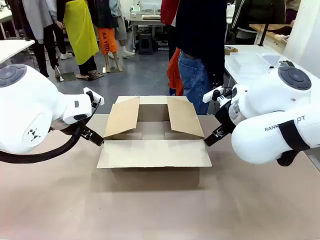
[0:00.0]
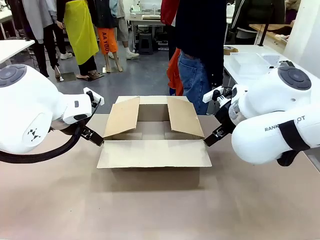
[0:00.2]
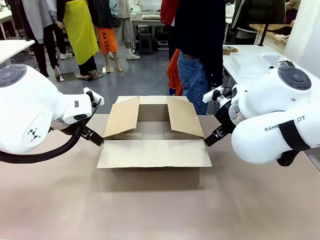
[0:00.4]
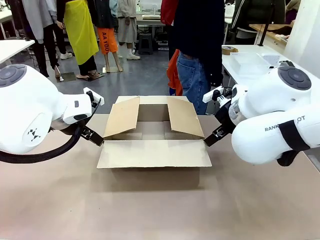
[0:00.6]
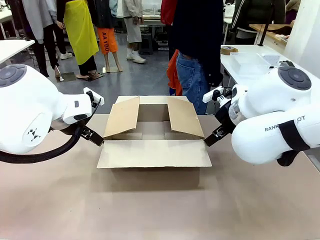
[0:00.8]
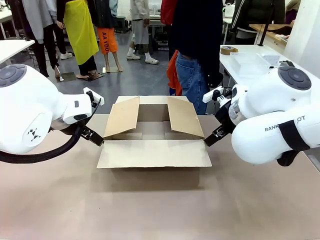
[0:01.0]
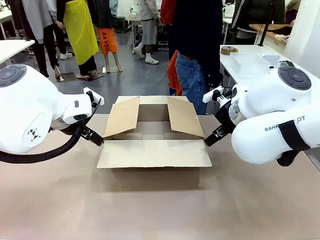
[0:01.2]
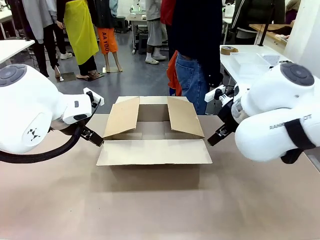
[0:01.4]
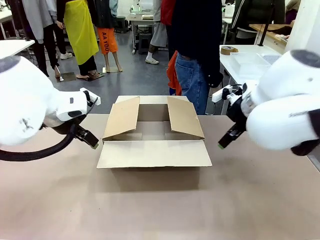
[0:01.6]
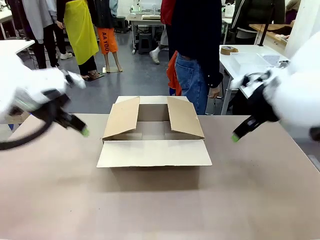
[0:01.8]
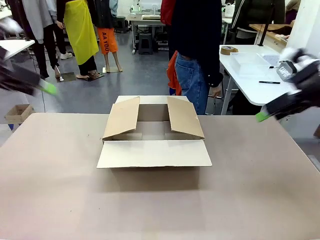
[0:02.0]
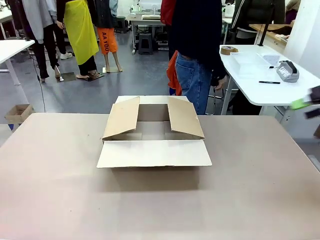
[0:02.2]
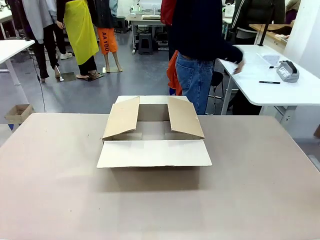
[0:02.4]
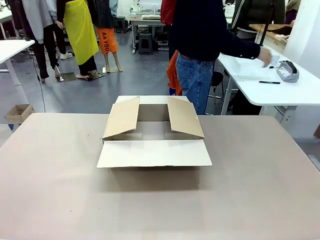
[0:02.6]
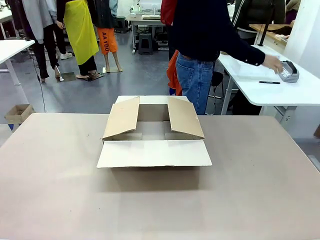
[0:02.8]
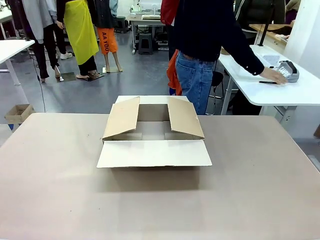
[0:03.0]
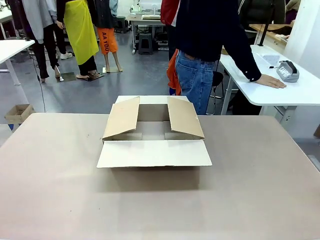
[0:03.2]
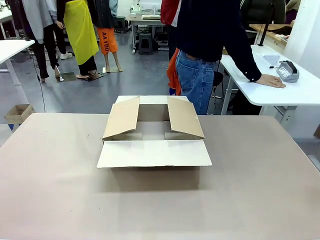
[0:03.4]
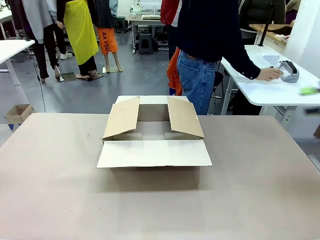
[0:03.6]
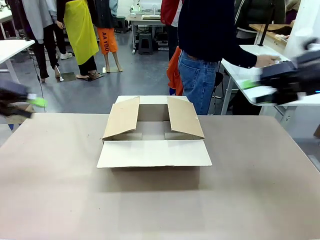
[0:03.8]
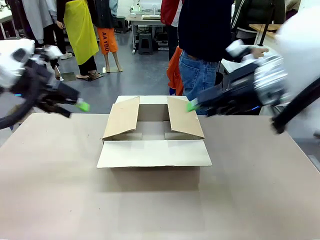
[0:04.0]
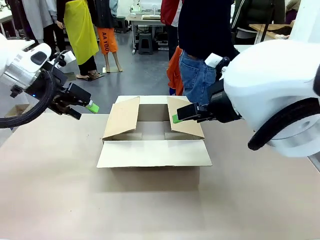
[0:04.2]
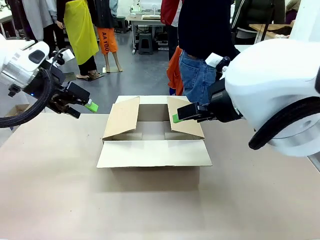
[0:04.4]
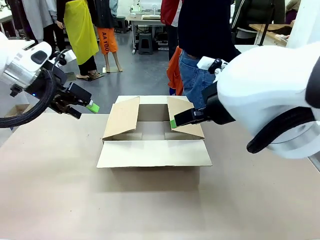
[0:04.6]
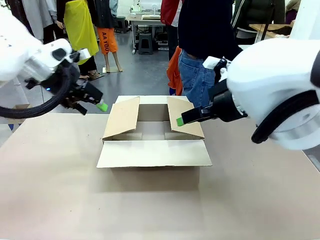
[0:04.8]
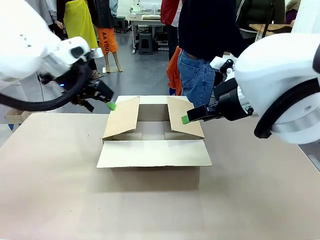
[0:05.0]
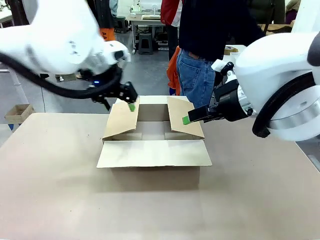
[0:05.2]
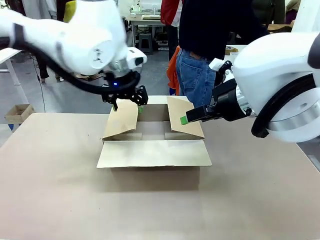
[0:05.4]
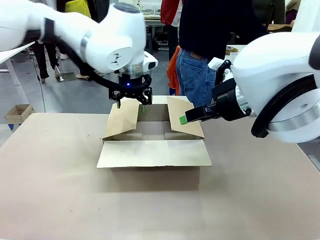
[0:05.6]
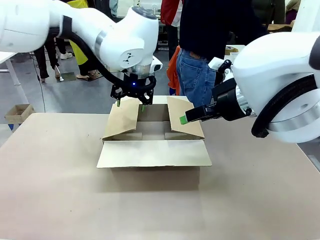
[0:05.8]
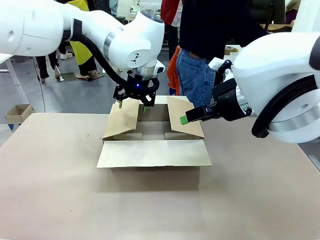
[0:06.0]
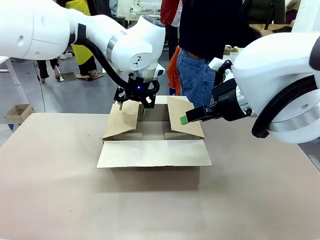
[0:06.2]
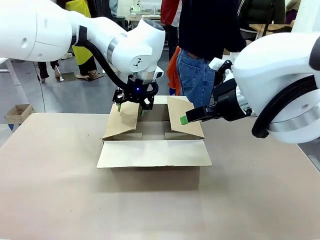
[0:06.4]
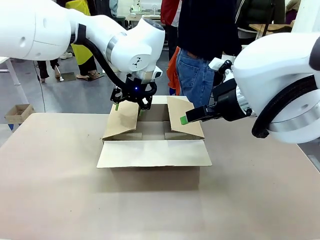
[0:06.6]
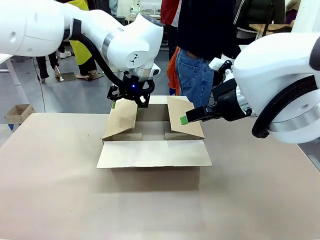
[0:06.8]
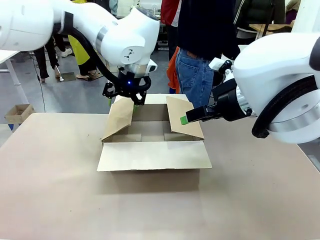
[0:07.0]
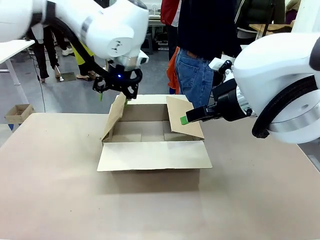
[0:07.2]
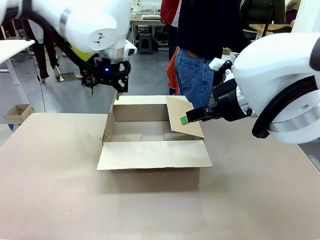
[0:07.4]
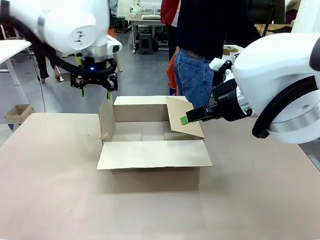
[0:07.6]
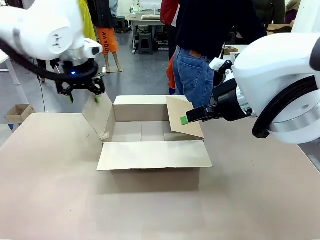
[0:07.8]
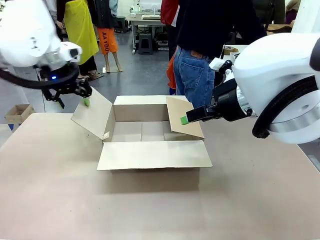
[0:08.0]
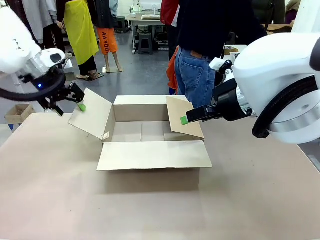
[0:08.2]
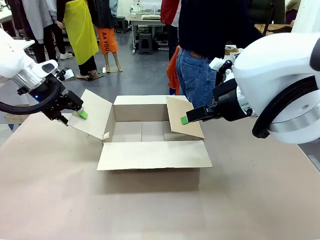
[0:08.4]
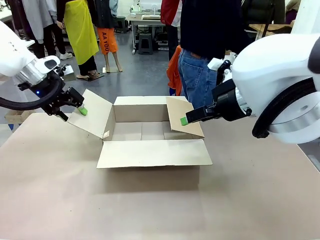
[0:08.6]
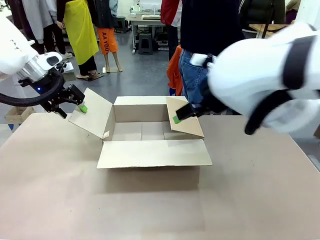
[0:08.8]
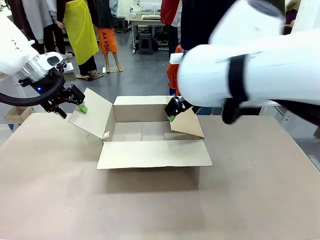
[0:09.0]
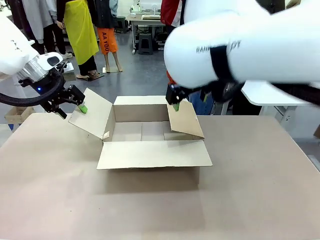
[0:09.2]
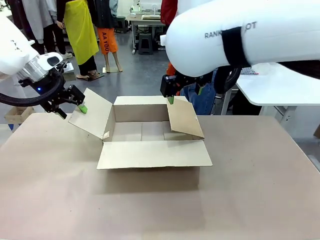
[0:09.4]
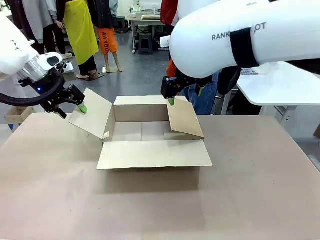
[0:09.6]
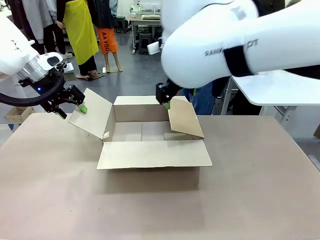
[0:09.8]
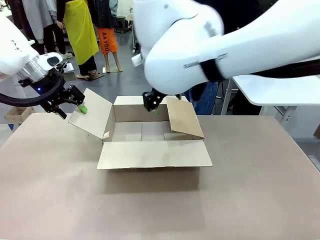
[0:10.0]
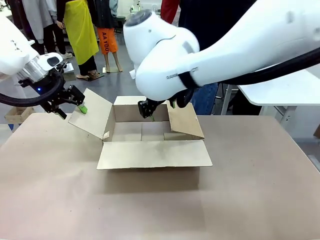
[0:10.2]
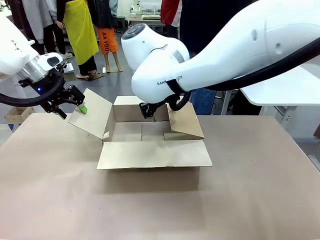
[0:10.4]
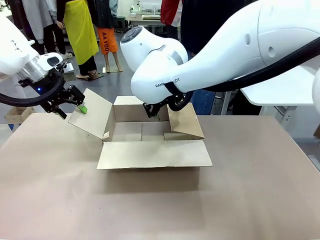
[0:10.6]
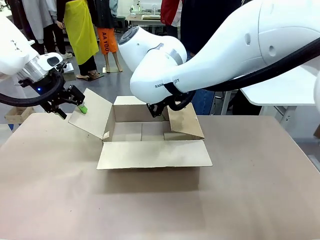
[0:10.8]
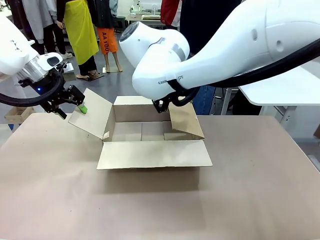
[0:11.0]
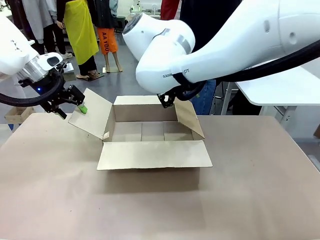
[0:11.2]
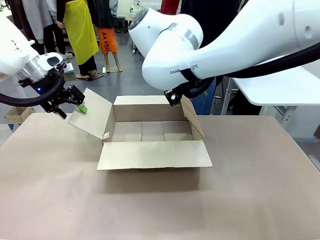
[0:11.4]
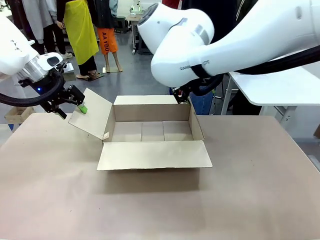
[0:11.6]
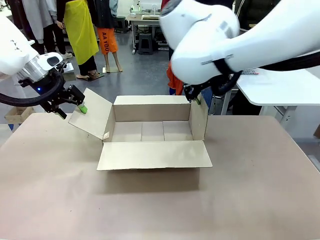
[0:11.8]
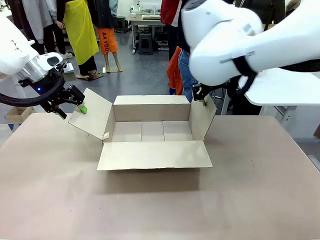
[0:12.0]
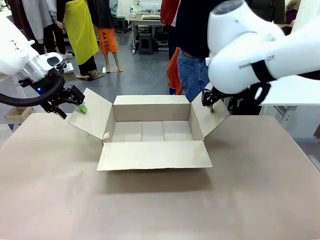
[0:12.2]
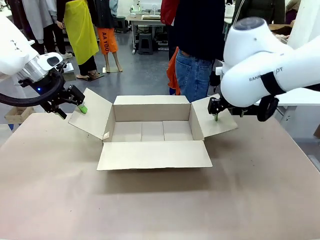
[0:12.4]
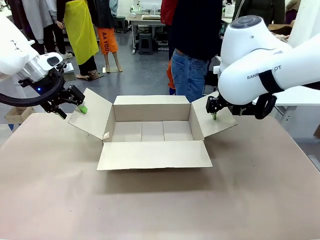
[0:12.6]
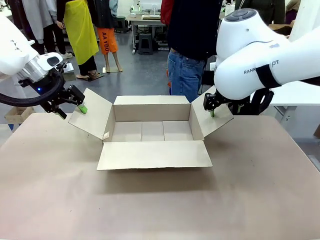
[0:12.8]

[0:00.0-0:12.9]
Task: Pack the gift set into the box.
Robot: Place both hands on the side flaps of the Package Box and spread them outward.
Person: The human places all items except the paper tape into the organizing basket.

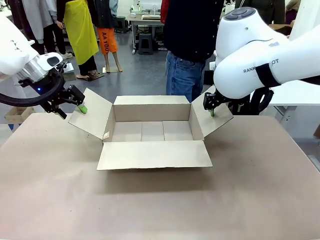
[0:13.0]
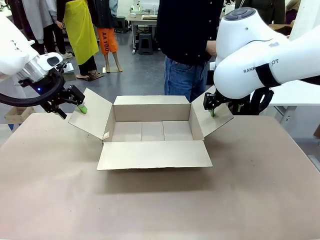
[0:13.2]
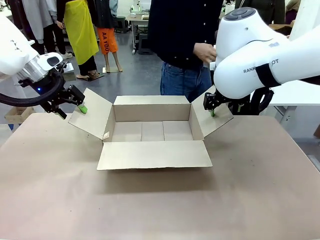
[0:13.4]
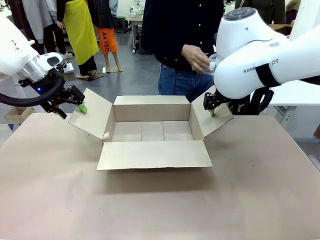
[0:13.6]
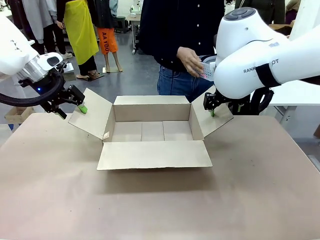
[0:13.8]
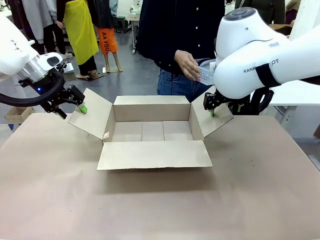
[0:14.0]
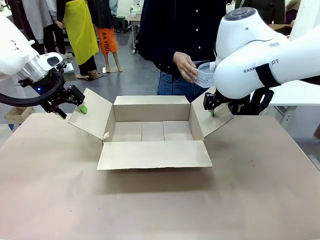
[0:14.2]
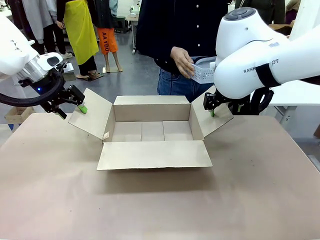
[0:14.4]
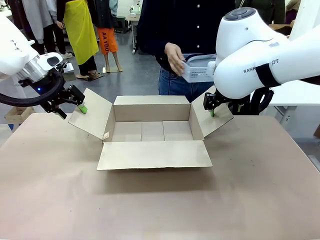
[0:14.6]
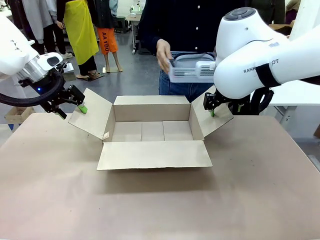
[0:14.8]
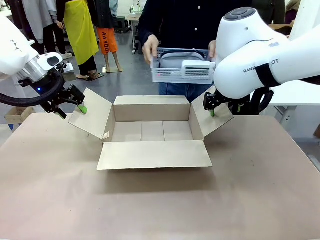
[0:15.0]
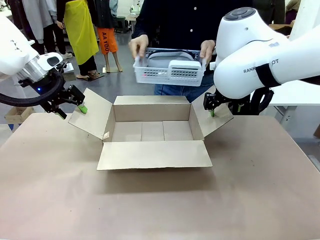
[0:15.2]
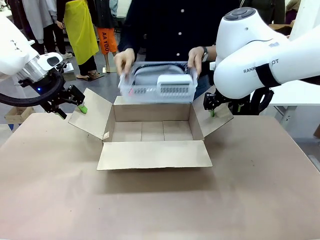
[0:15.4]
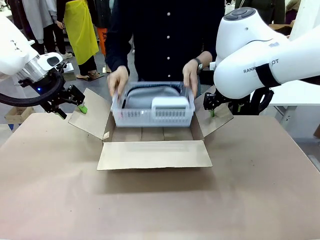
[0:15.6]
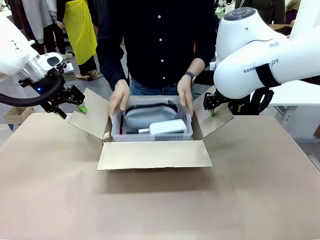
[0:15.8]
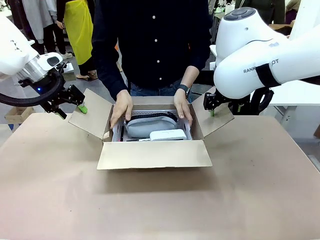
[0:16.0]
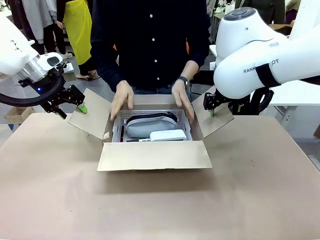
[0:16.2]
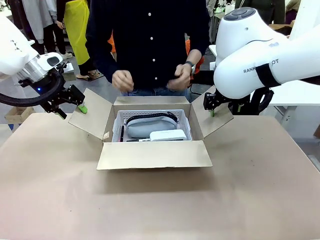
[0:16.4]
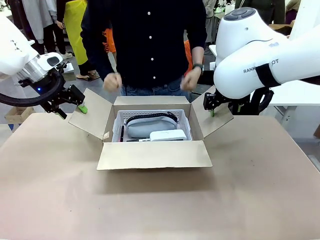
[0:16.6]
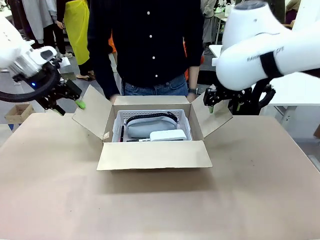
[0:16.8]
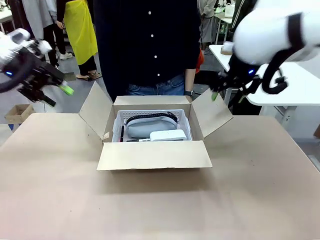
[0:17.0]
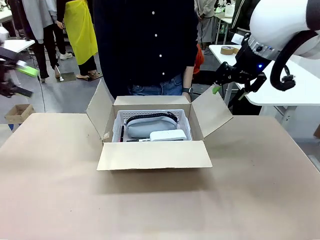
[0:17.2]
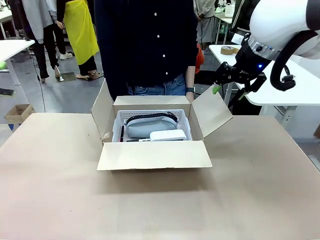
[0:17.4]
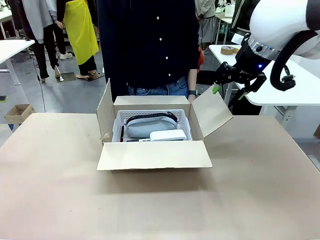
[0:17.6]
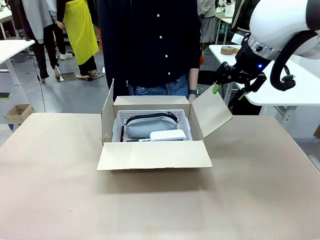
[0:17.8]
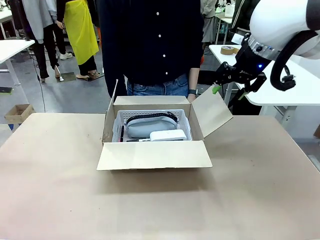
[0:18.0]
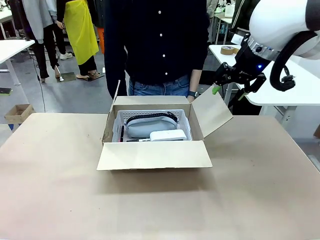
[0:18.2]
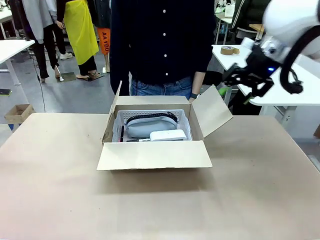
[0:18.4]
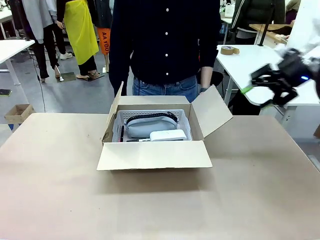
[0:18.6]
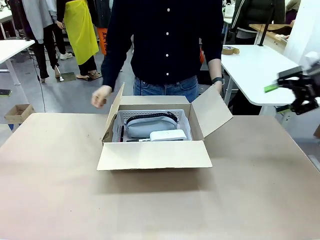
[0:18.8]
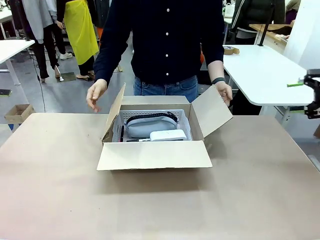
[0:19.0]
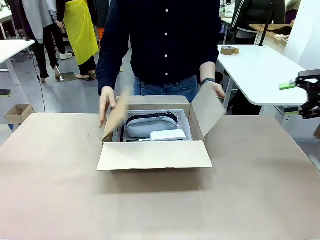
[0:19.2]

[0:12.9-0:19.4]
Robot: Lift both hands away from the flaps of the Package Box.
Person: The human picks up the organizing basket and places the organizing basket into the package box on the robot table.
